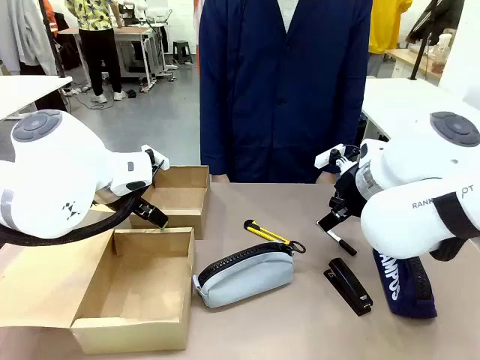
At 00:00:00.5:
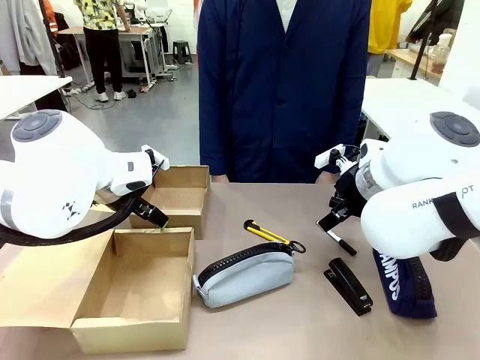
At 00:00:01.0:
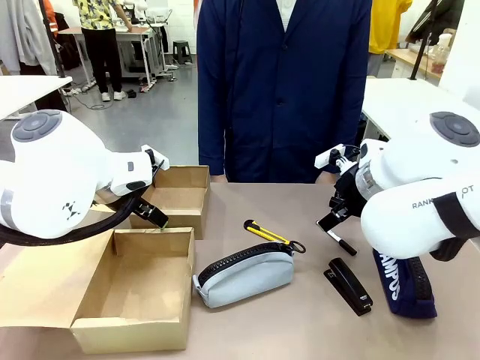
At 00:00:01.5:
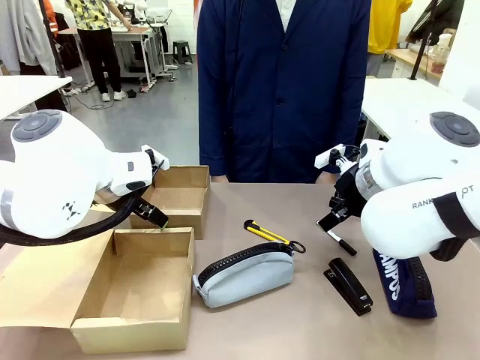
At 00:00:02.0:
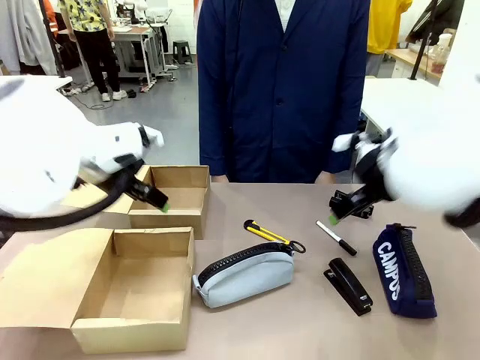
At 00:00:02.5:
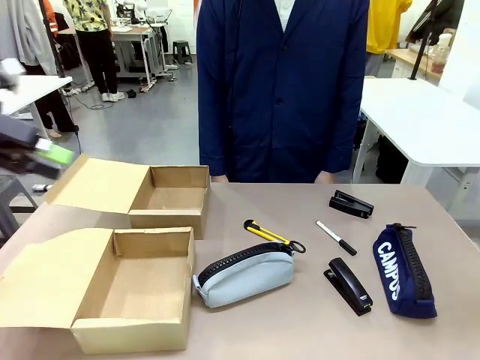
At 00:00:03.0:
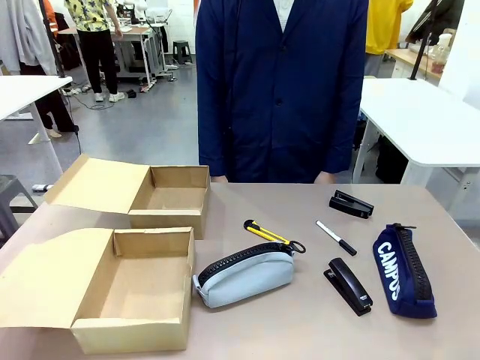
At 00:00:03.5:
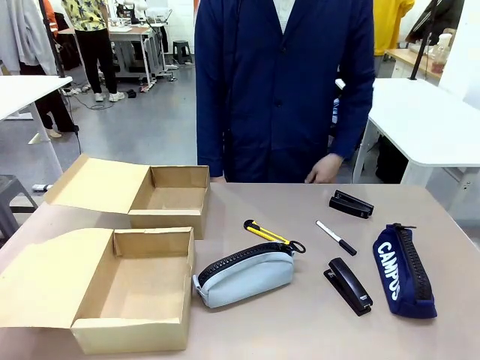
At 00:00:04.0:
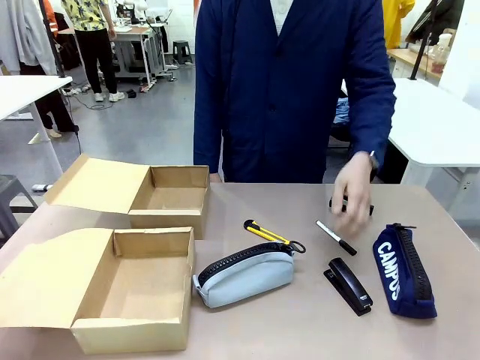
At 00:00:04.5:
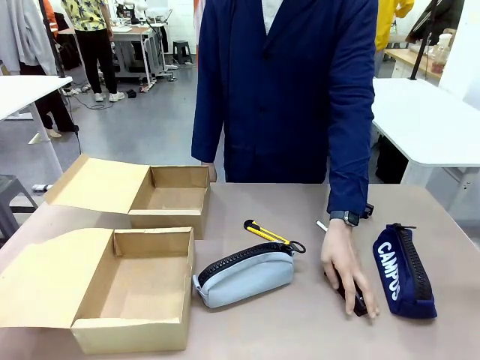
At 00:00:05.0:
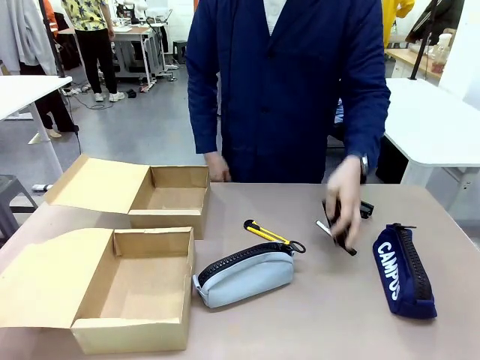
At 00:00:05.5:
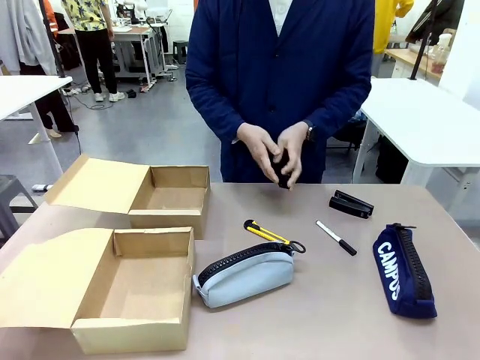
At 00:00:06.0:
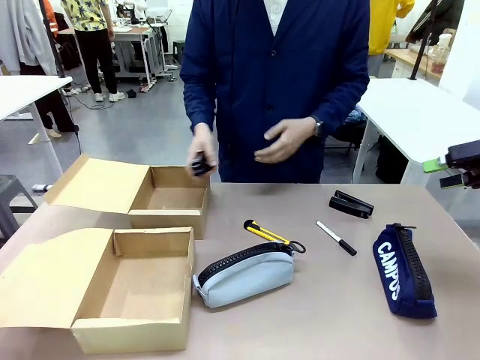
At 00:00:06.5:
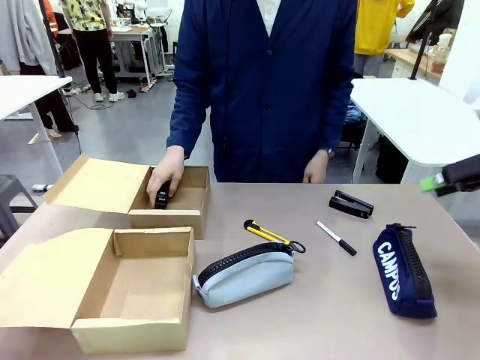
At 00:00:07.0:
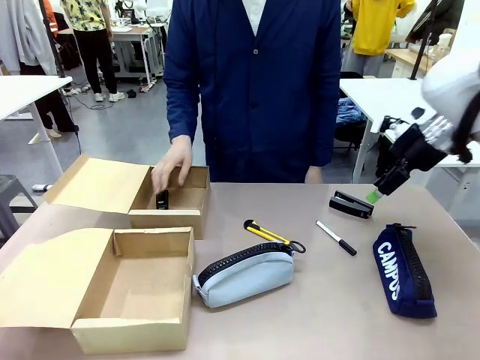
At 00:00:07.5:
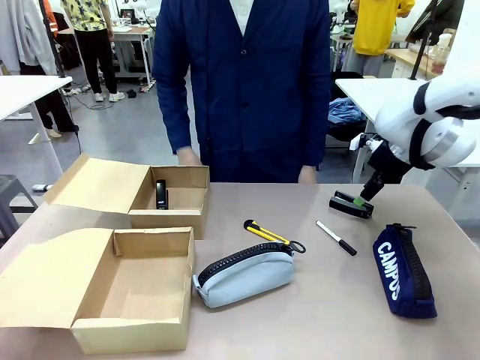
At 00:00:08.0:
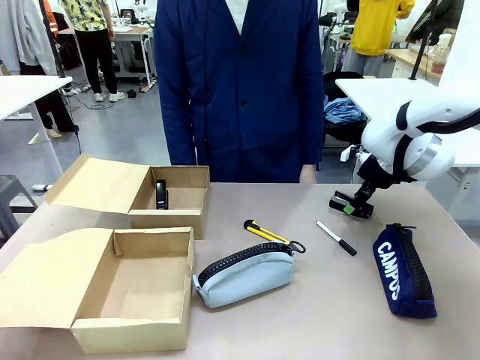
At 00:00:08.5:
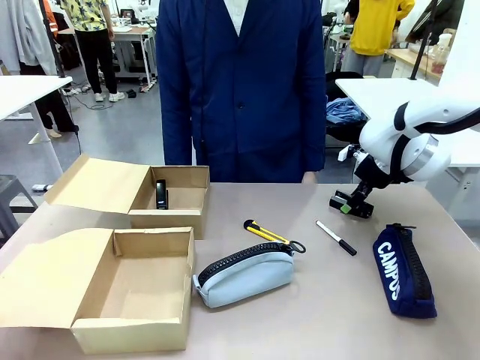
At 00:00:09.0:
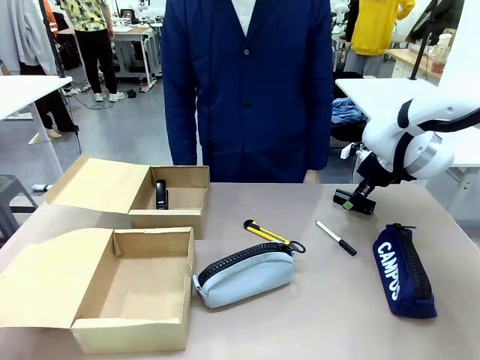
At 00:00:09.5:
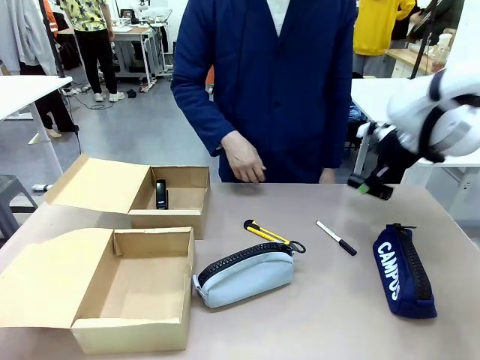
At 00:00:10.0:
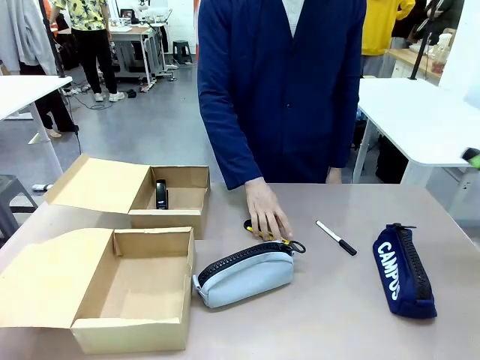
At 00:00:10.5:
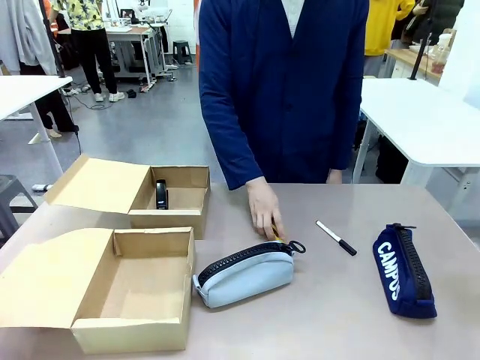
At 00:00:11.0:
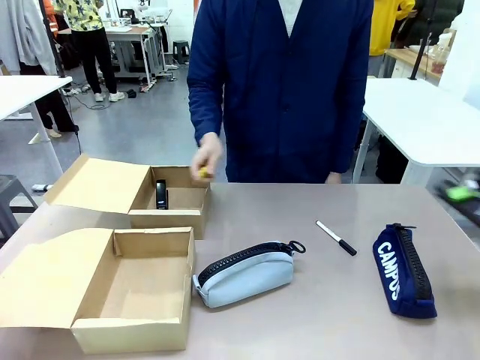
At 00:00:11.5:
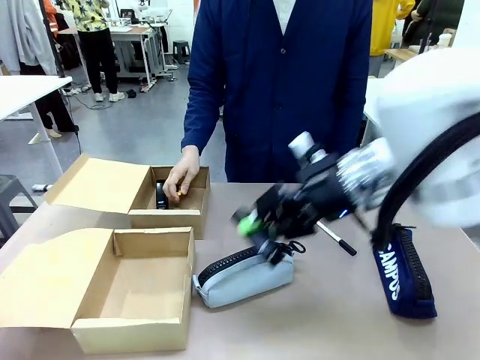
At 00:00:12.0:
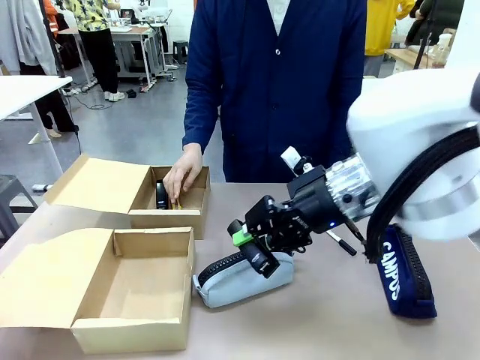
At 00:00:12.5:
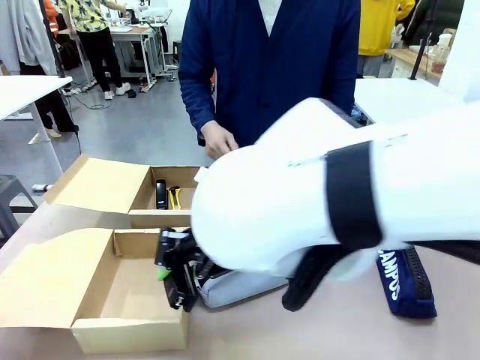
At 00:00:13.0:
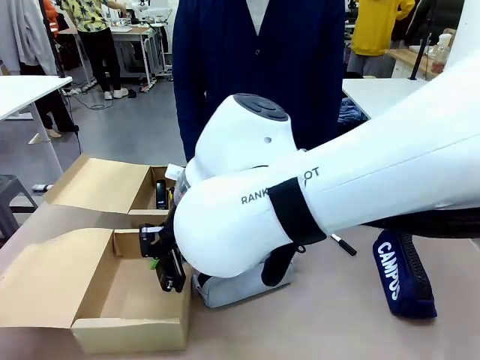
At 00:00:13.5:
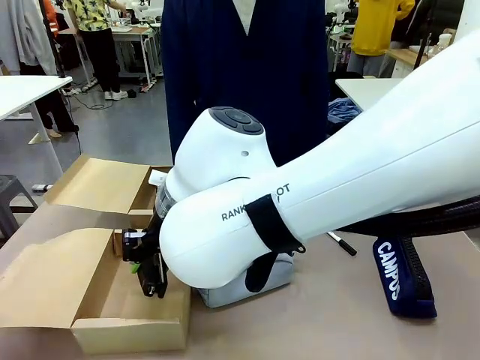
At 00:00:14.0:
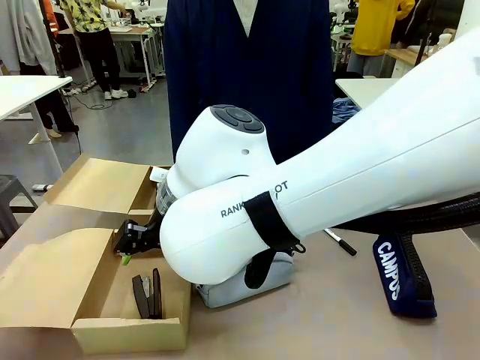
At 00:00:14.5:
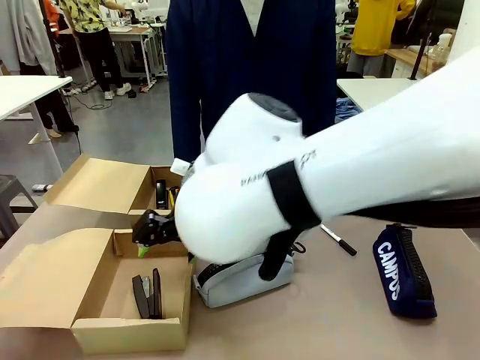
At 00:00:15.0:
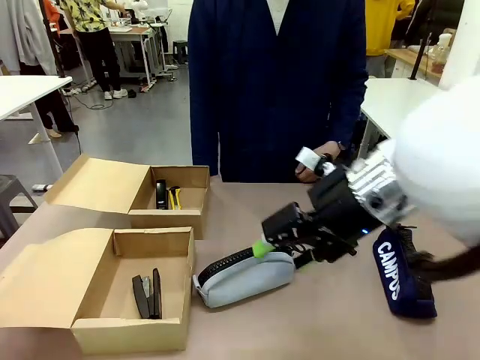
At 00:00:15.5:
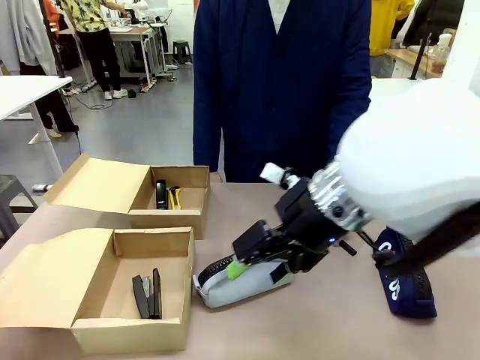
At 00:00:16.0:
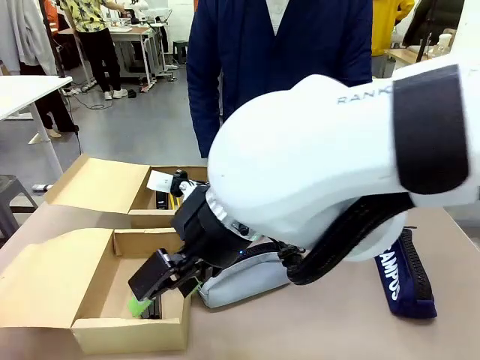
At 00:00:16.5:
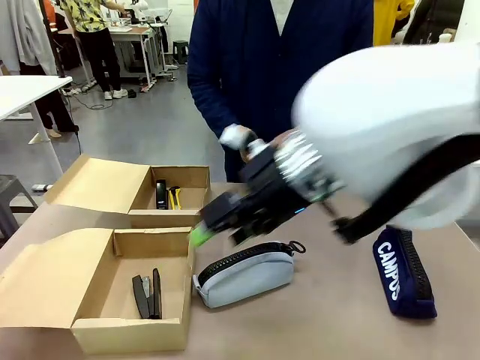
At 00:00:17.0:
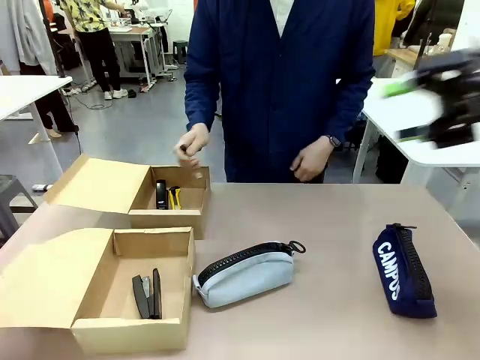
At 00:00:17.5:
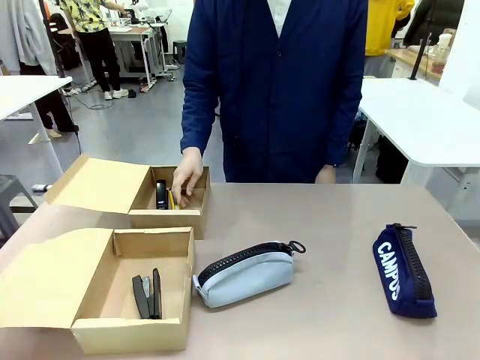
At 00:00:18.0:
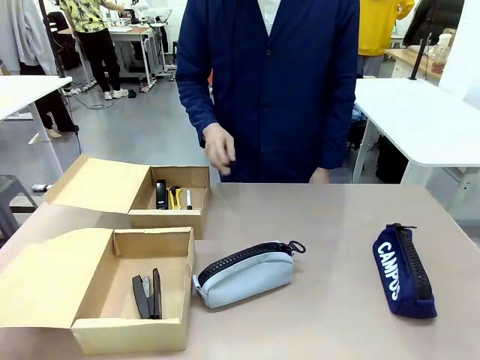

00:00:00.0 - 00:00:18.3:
Task: Place items inside the box.
Robot: Pick up a Pencil pouch or Stapler and place it inside the Mailer Box closest to the robot.
Person: Pick up an object on the table and put it in the box.
